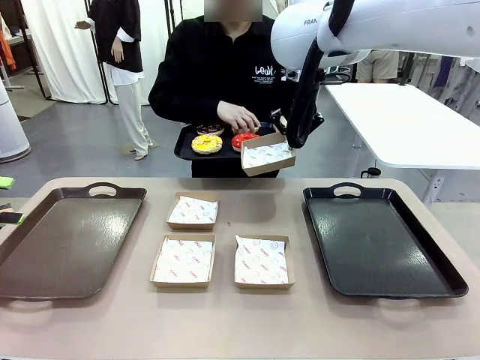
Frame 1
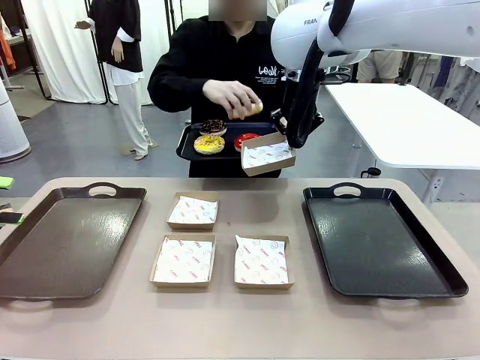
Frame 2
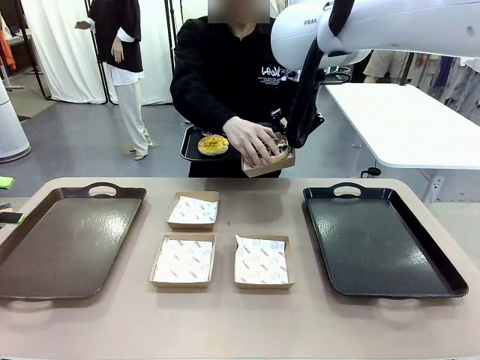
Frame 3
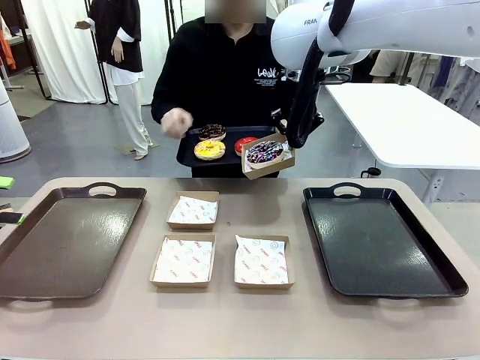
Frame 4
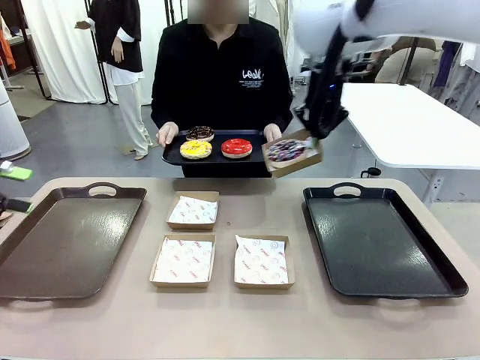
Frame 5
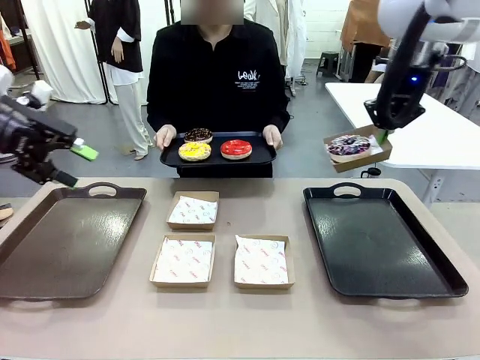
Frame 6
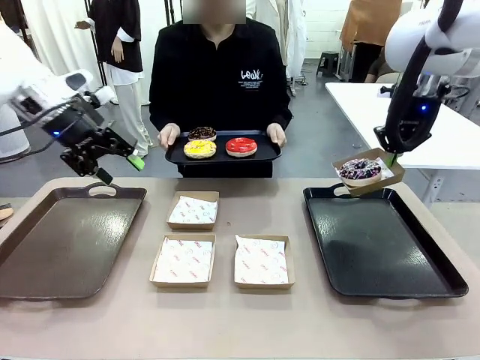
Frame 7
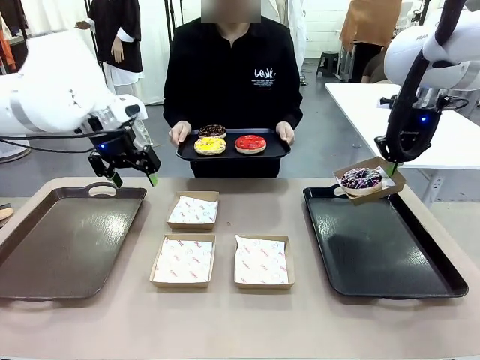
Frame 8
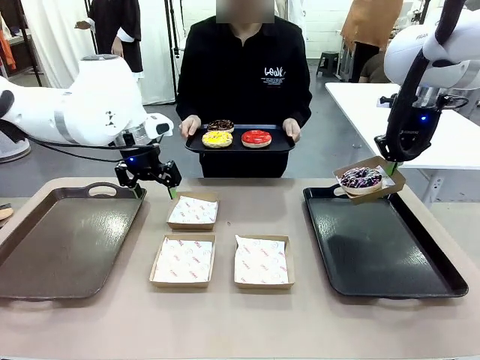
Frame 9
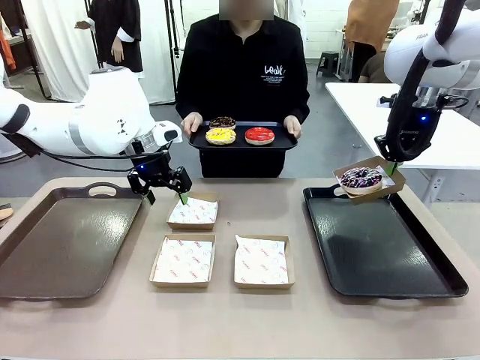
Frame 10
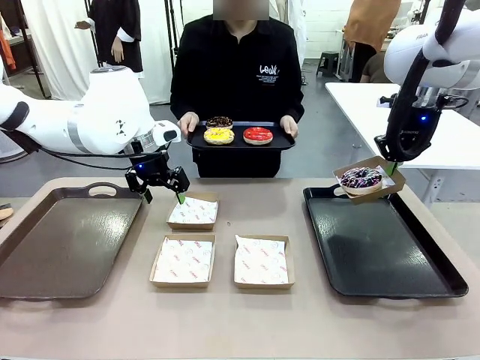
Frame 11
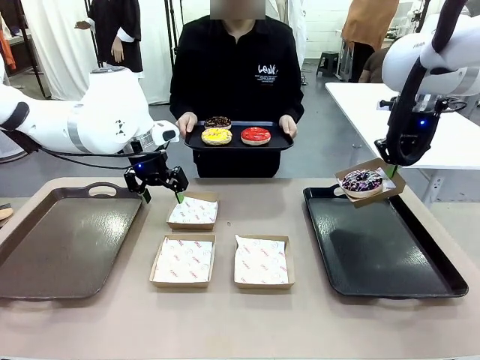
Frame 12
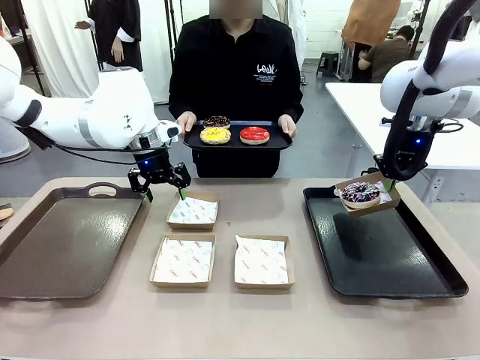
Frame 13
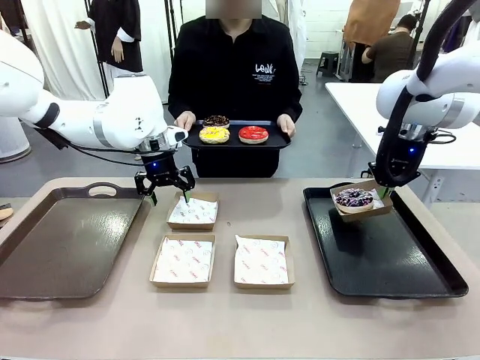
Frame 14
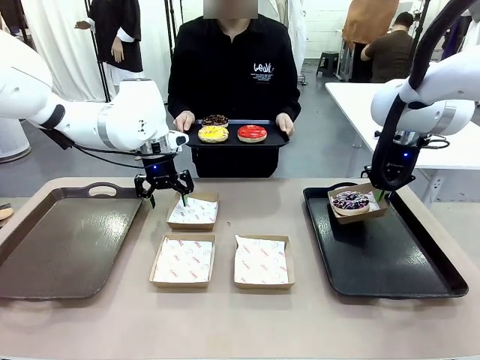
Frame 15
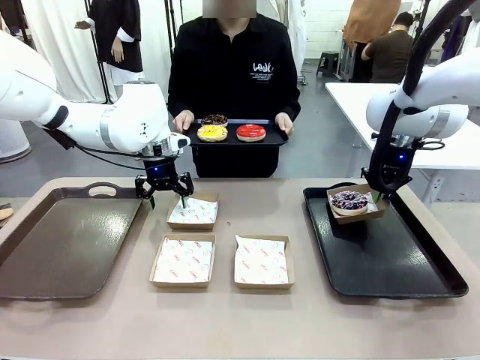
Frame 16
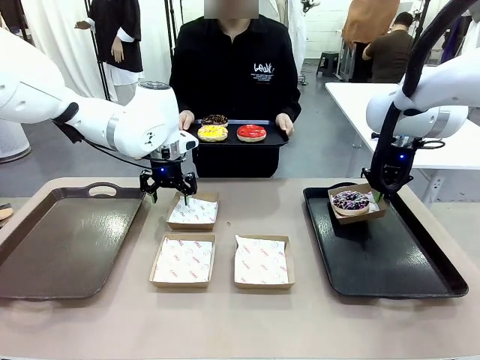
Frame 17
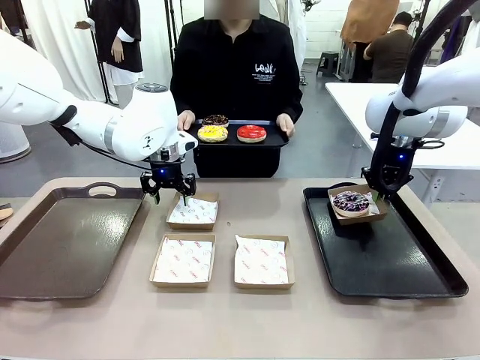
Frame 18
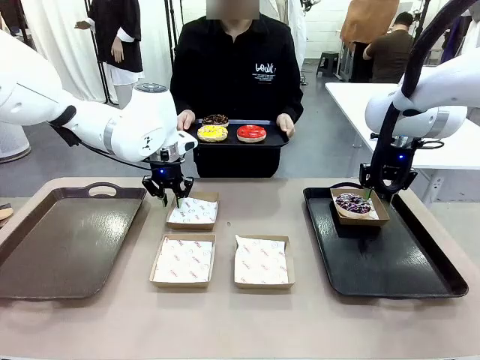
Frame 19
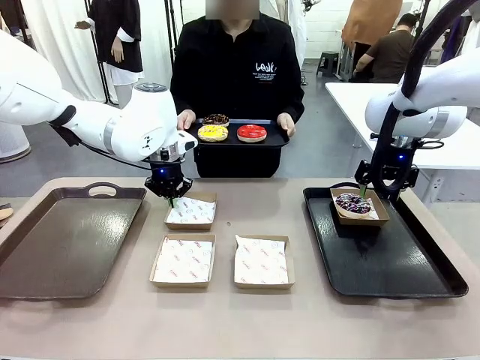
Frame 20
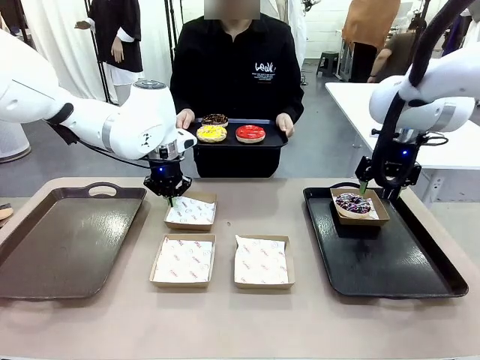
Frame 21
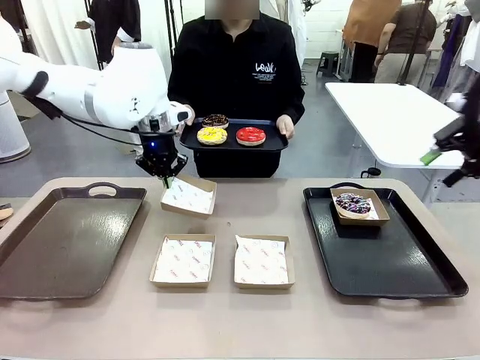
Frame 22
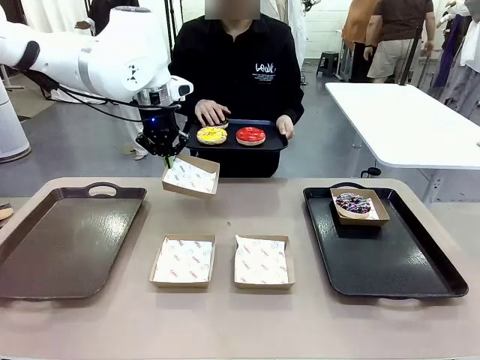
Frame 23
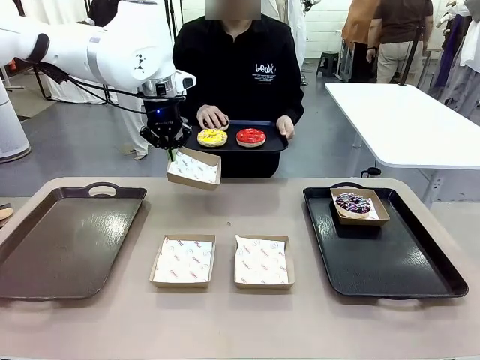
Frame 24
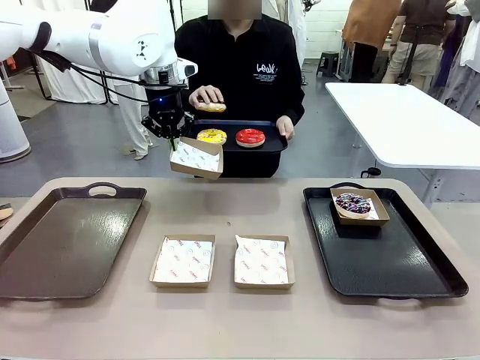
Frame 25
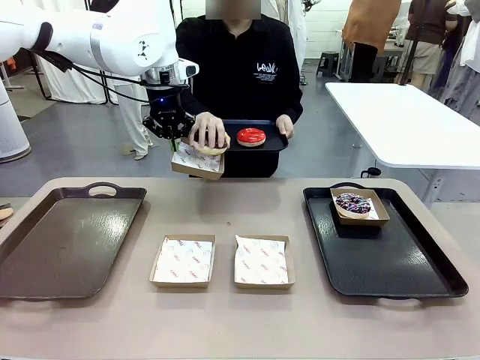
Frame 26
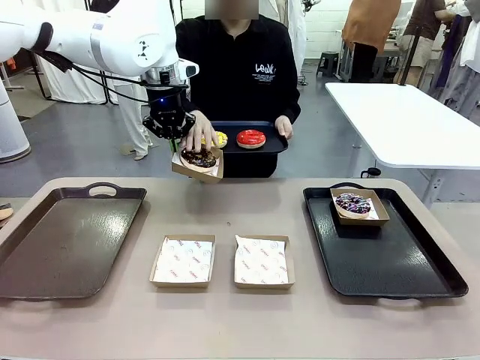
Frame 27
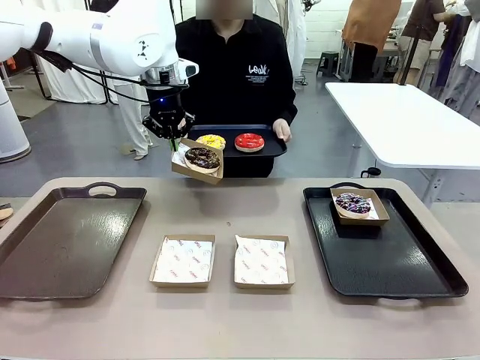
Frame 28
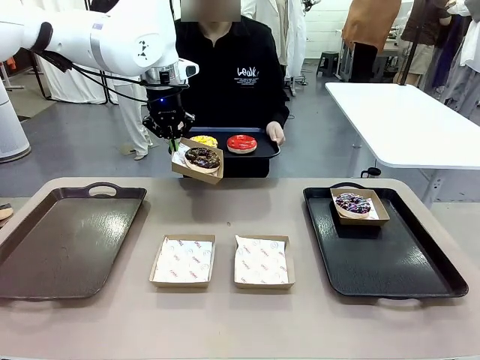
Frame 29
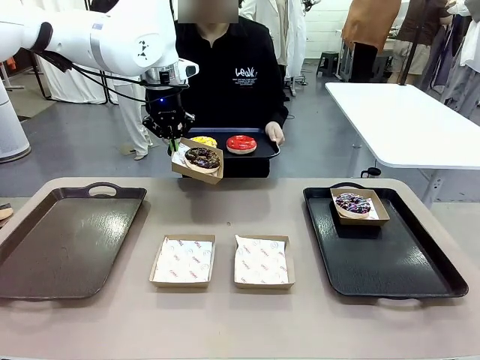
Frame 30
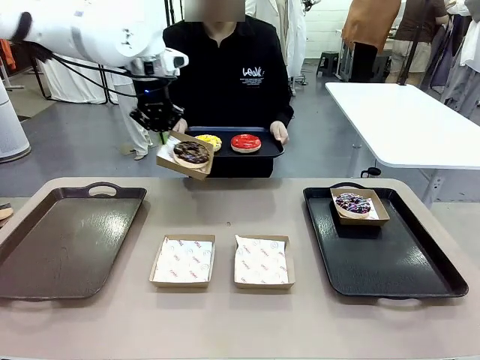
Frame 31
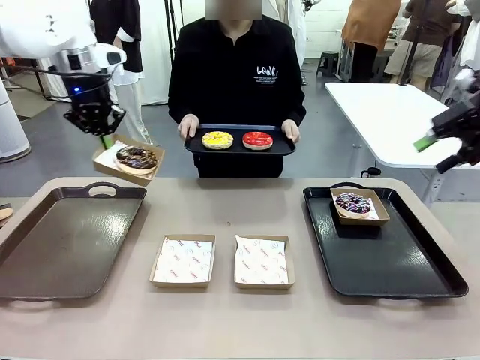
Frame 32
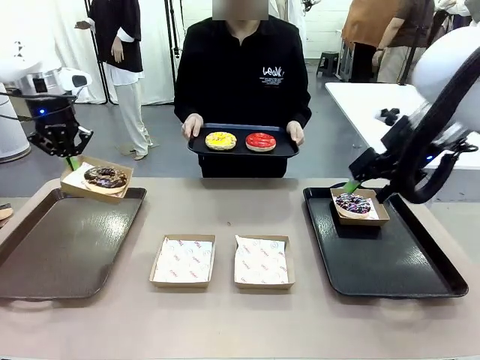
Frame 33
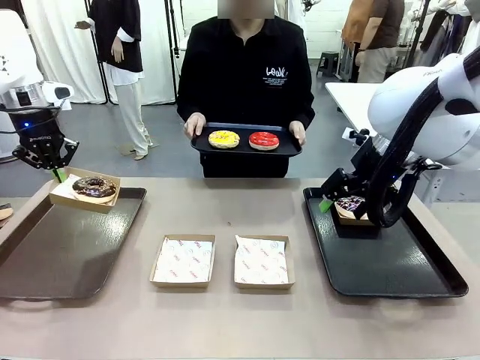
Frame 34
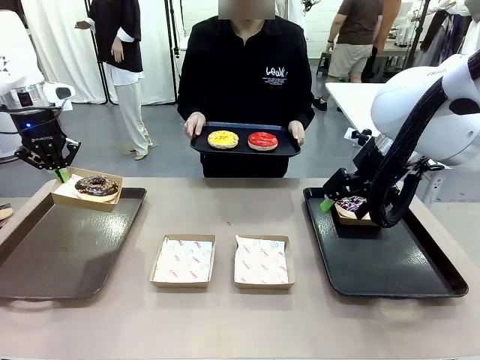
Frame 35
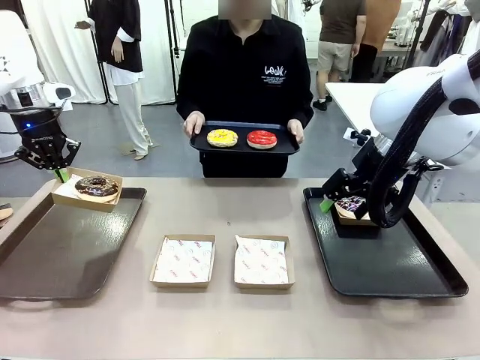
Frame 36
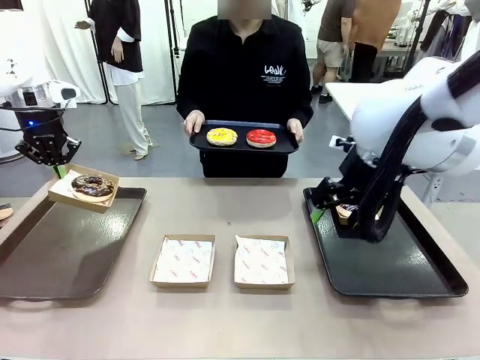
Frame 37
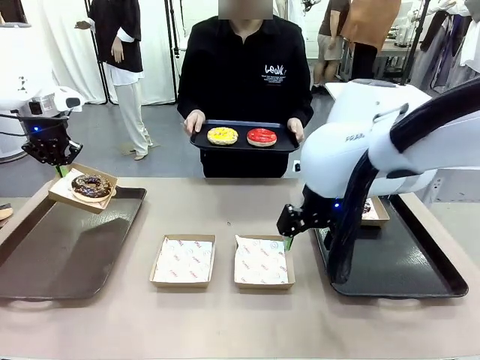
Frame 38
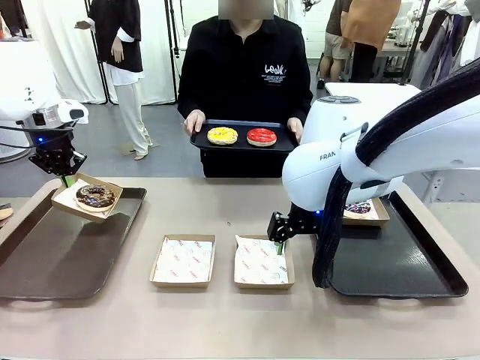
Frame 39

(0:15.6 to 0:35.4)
Task: Individually package the donuts and arrange them on the tray.
Robot: Place the picked Paper togo box on the Handle tray while simultaneously picking up another Paper togo box from the table with the other hand.
